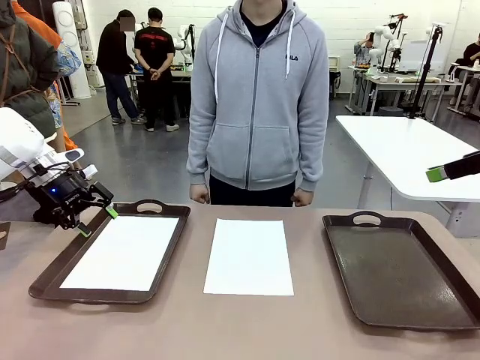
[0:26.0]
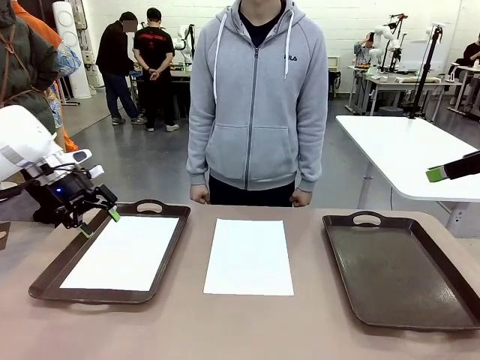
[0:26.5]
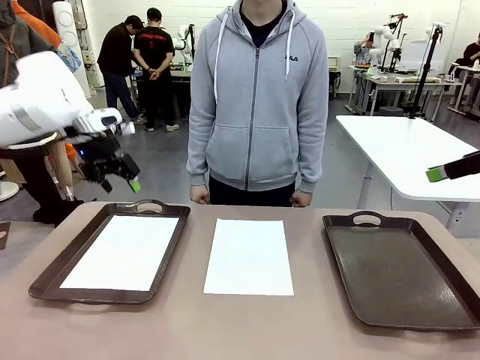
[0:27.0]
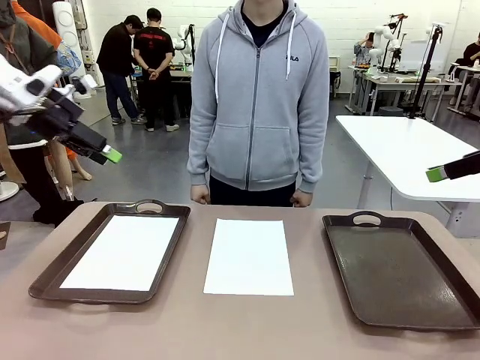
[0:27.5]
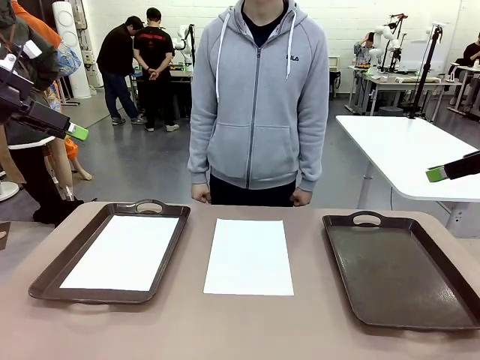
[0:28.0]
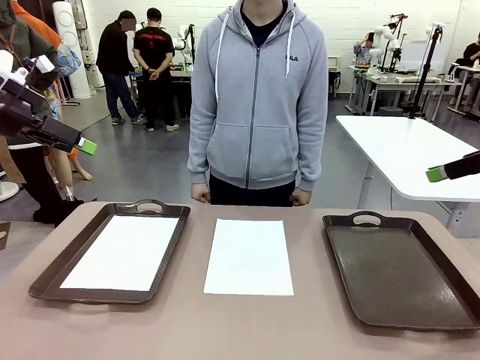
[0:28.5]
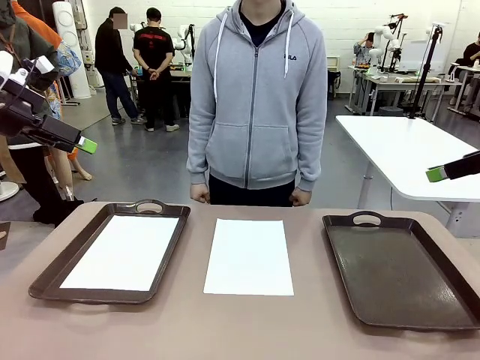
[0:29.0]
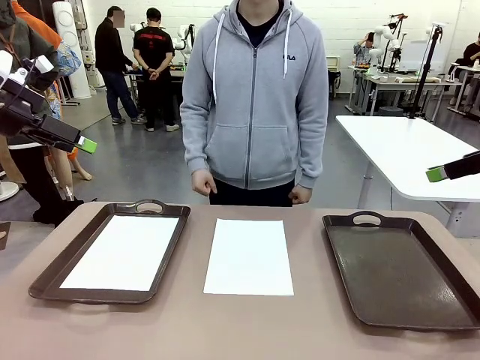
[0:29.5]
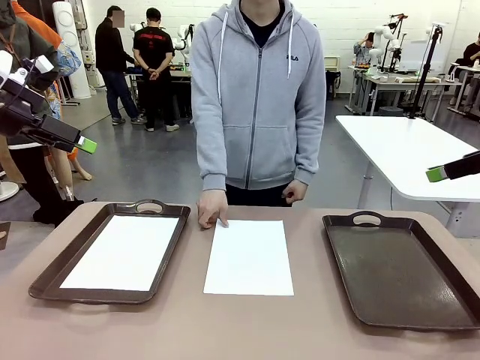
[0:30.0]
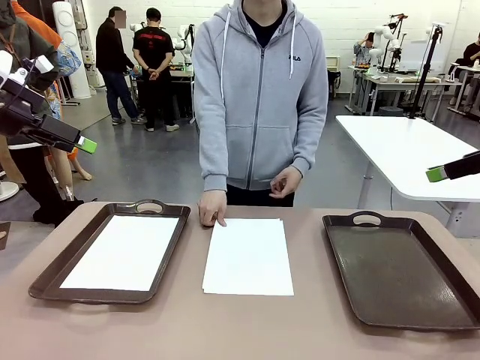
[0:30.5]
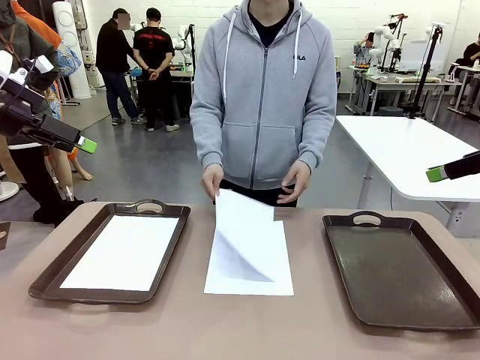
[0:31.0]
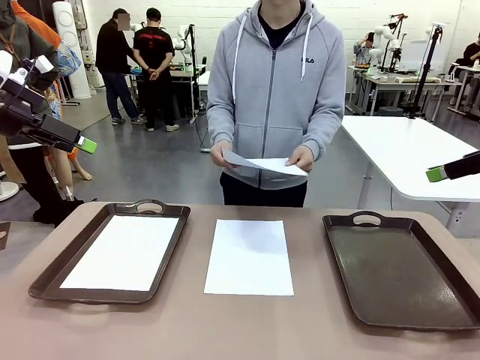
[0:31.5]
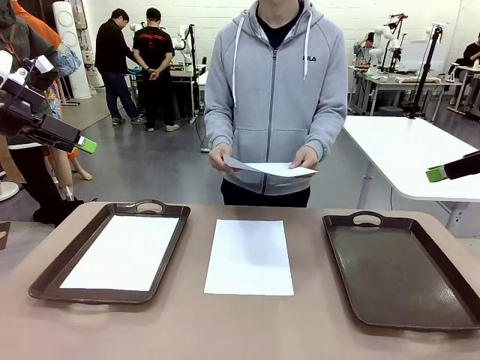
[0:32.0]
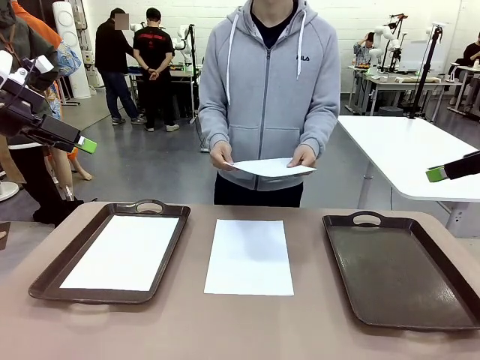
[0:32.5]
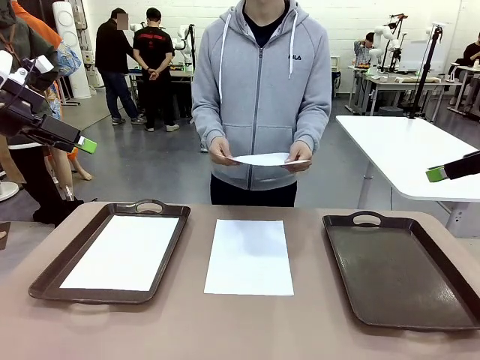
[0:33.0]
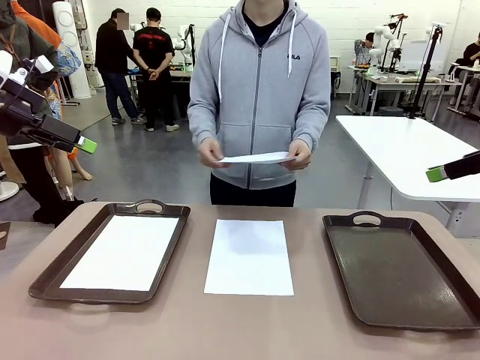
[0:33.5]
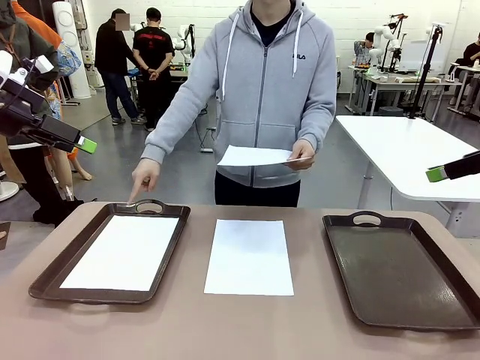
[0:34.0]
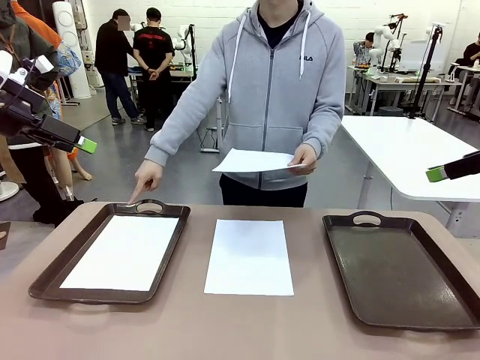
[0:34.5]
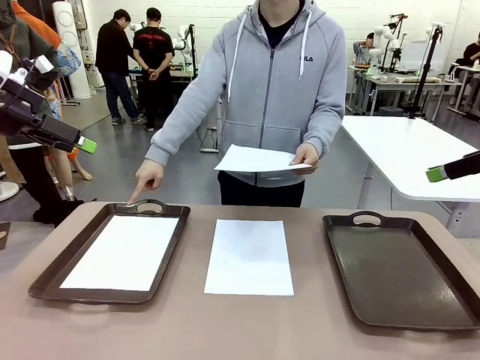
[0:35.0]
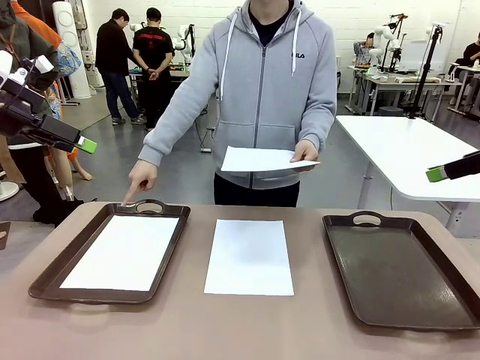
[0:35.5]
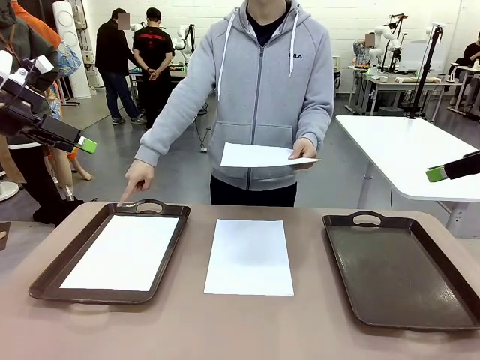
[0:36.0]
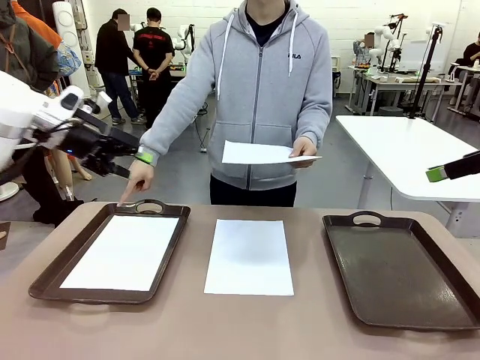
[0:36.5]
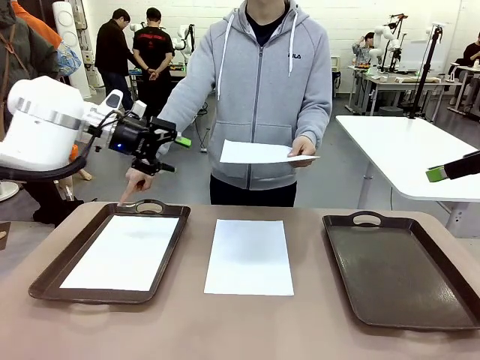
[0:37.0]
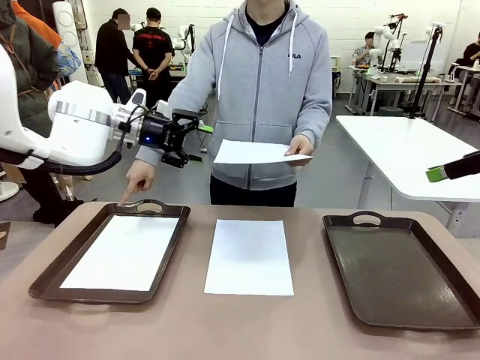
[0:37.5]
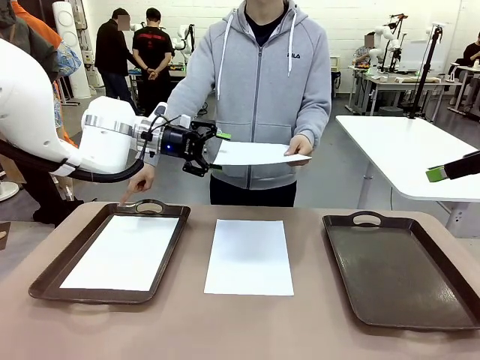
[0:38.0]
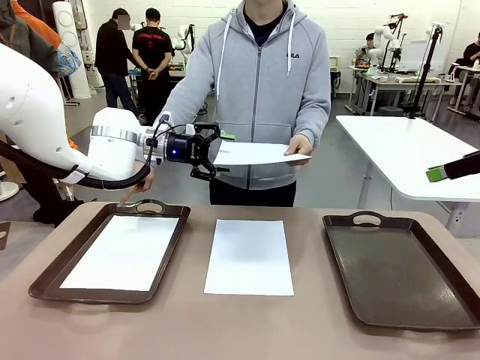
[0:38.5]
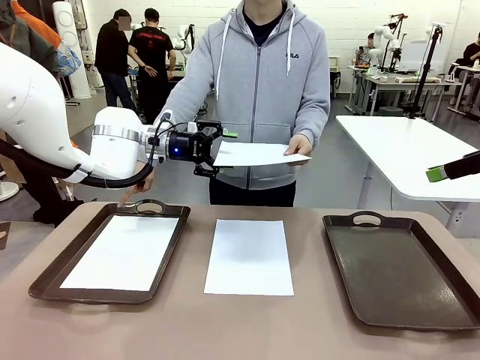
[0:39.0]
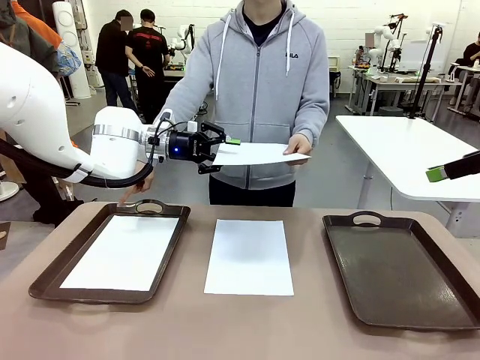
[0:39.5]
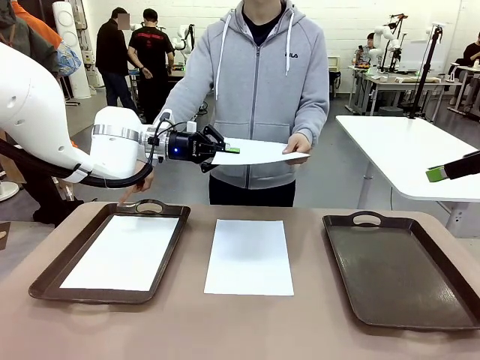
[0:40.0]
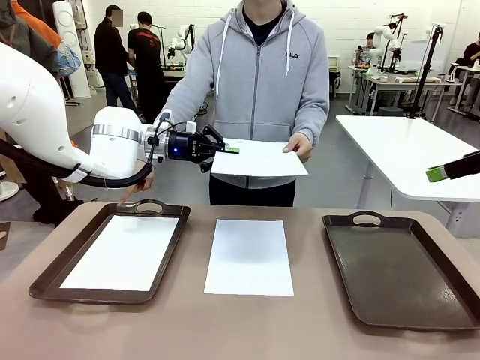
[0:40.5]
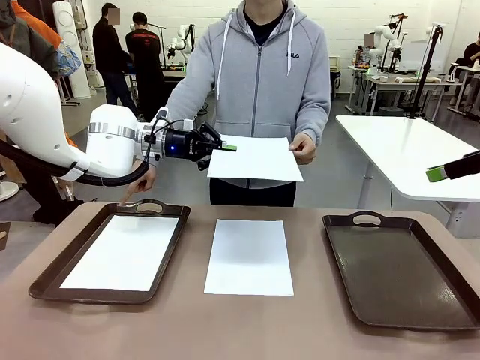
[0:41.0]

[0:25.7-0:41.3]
Task: Sort the A4 documents.
Robot: Receive the A4 Paper.
Person: Point the randomly selected tray with the other hand.

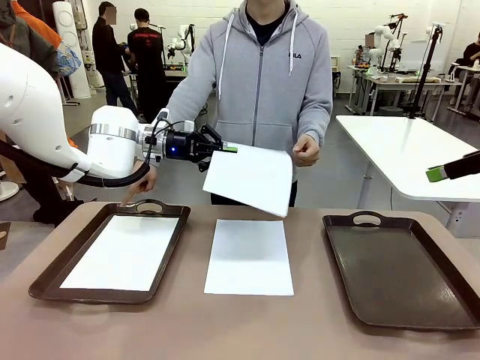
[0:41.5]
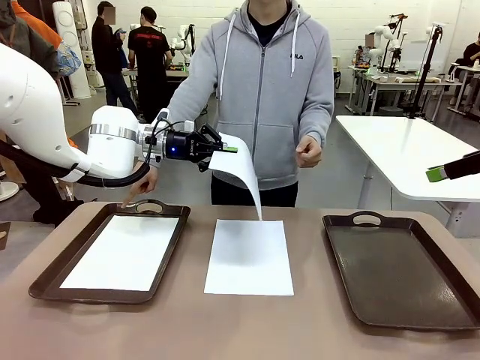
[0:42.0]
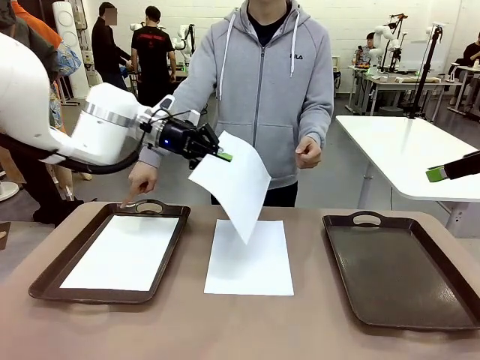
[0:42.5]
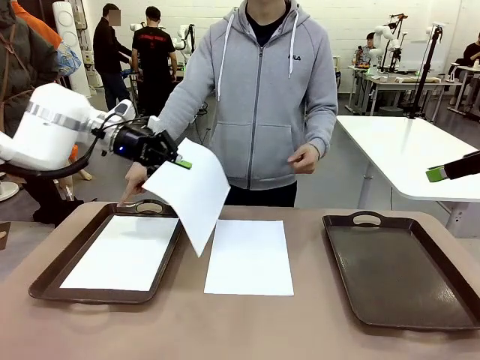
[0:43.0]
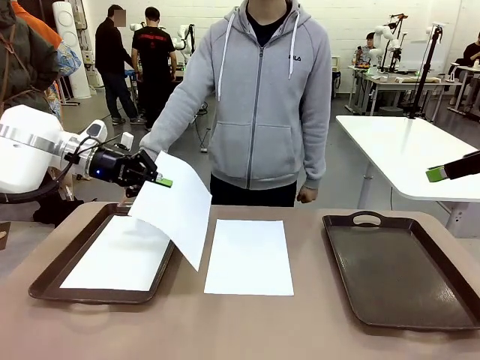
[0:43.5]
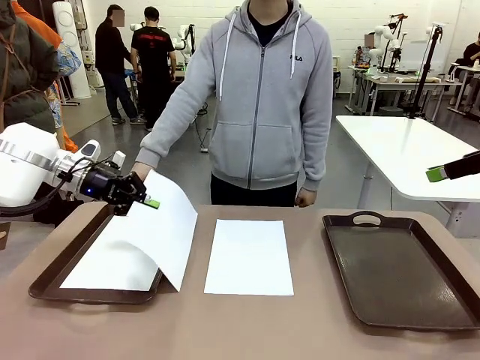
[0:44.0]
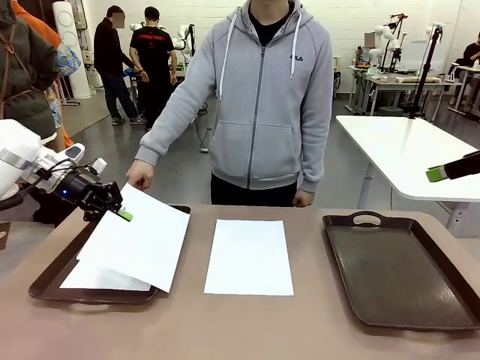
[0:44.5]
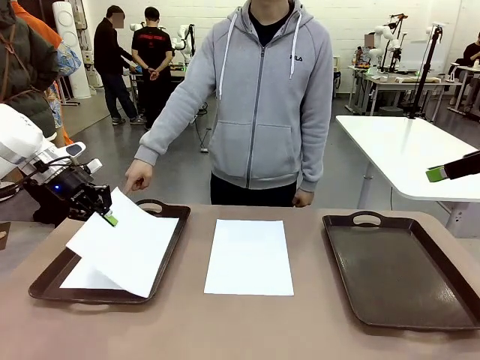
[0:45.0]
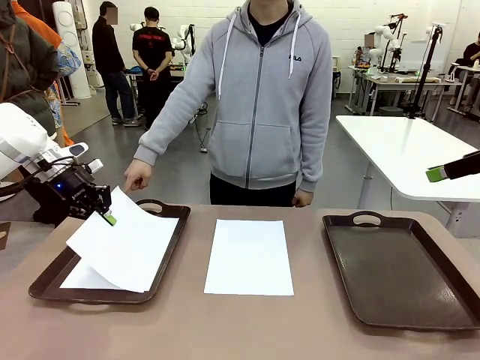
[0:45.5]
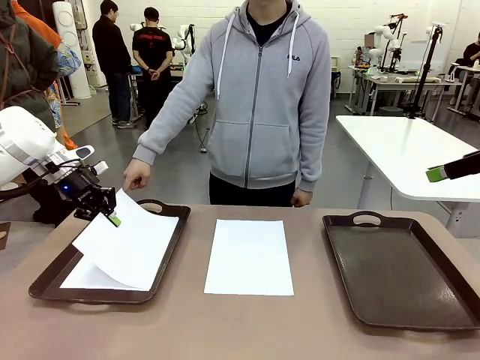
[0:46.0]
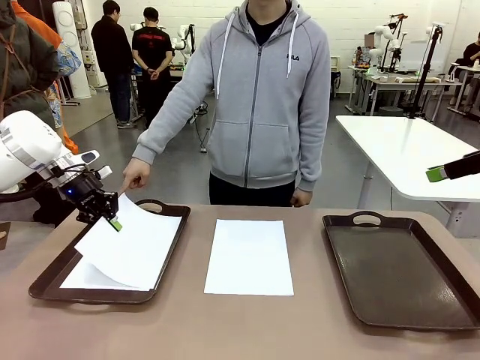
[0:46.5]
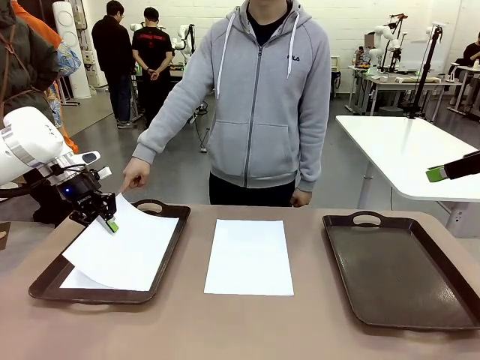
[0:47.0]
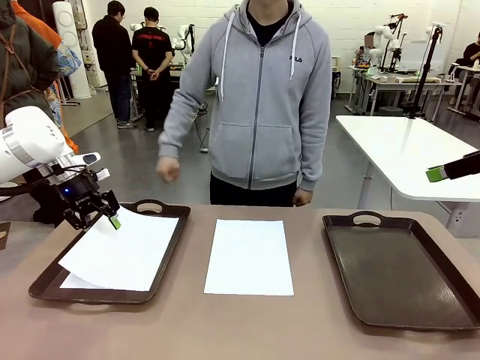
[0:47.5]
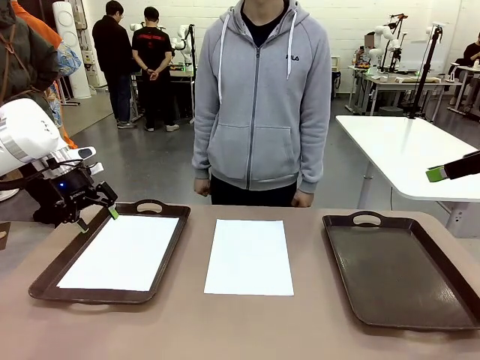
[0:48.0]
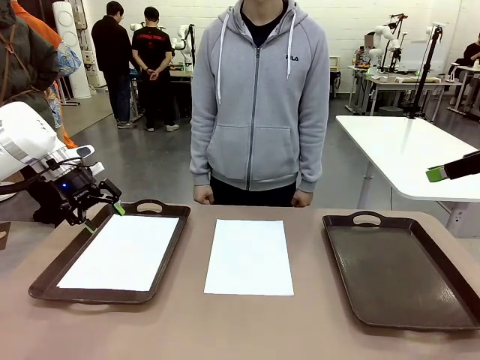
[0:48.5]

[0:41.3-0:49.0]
Robot: Place the A4 Paper in the designated Handle tray.
